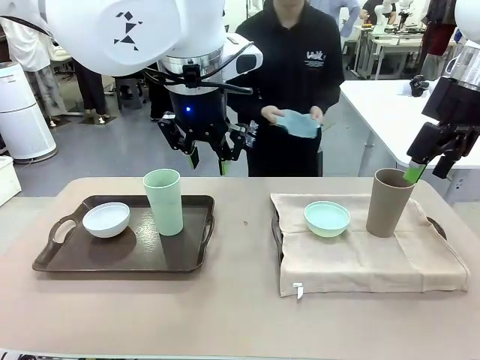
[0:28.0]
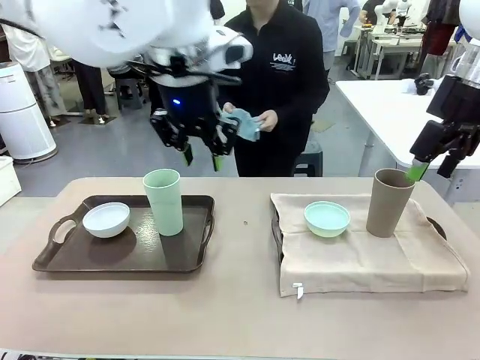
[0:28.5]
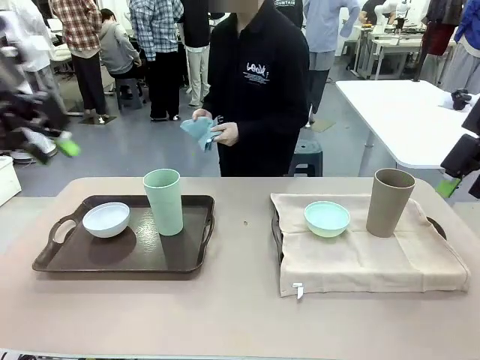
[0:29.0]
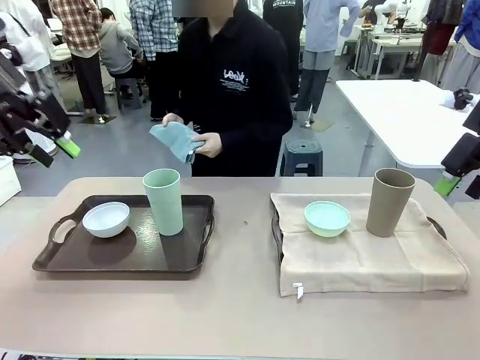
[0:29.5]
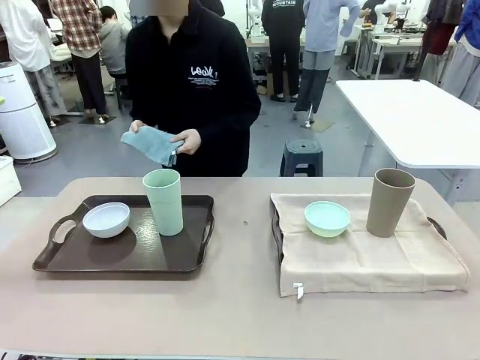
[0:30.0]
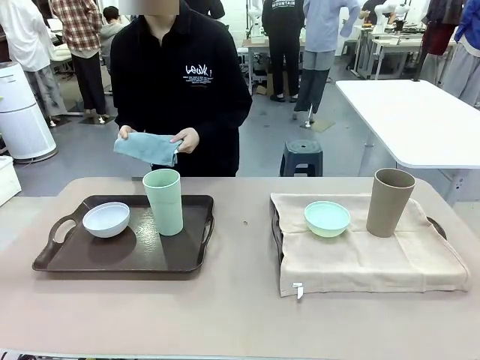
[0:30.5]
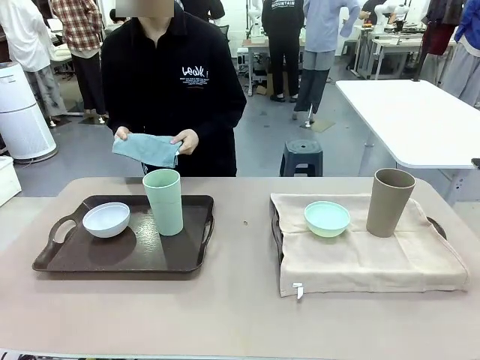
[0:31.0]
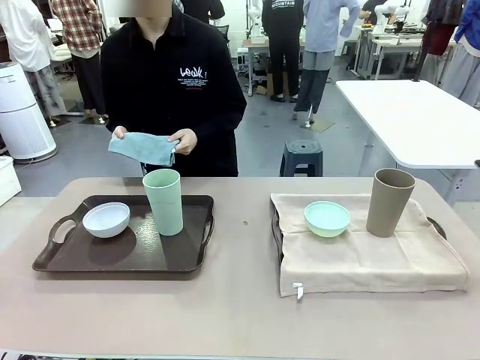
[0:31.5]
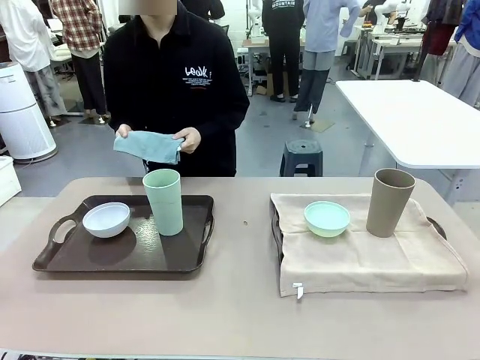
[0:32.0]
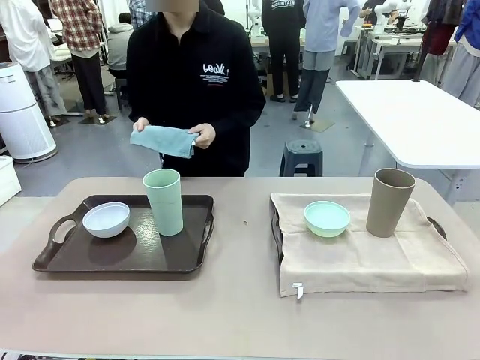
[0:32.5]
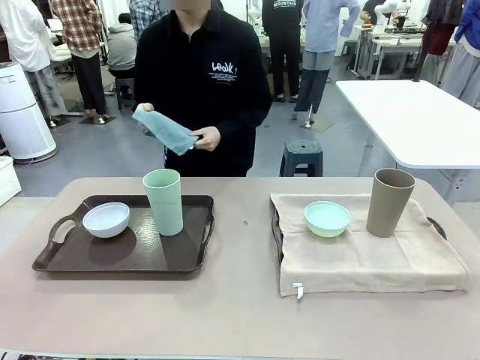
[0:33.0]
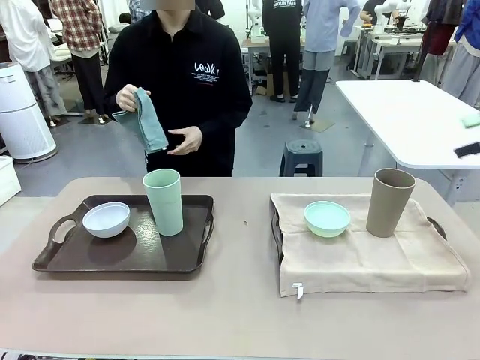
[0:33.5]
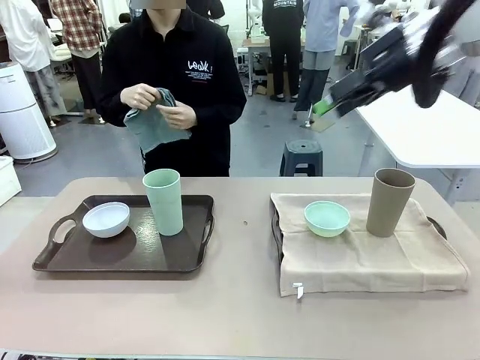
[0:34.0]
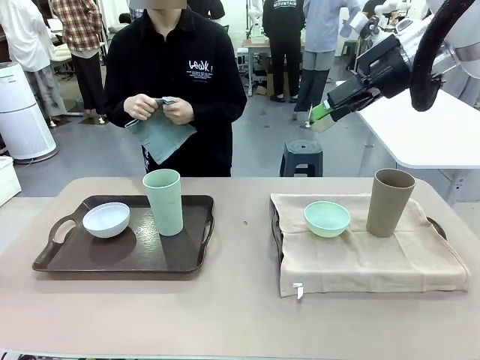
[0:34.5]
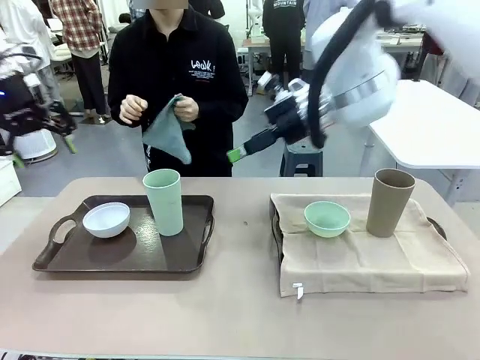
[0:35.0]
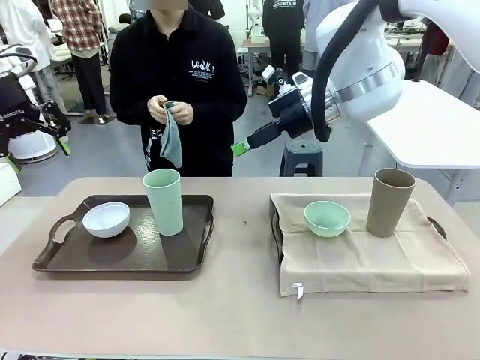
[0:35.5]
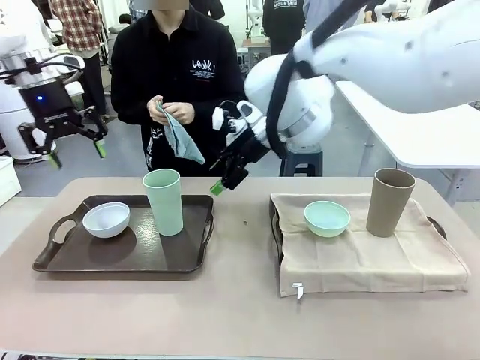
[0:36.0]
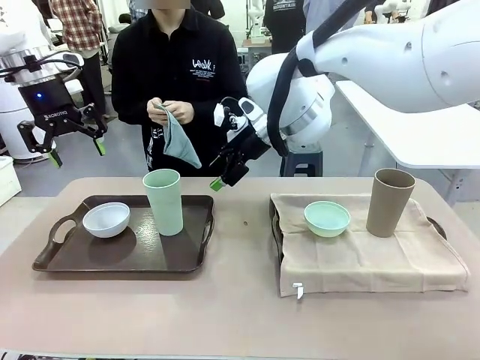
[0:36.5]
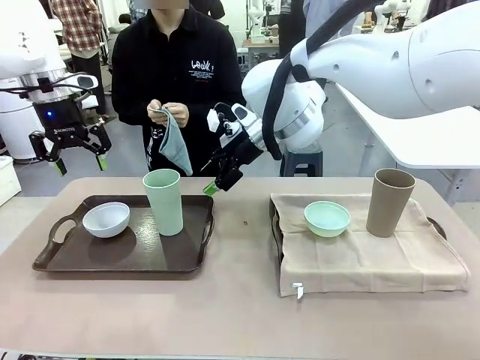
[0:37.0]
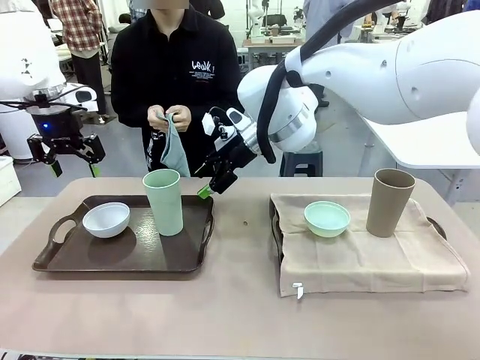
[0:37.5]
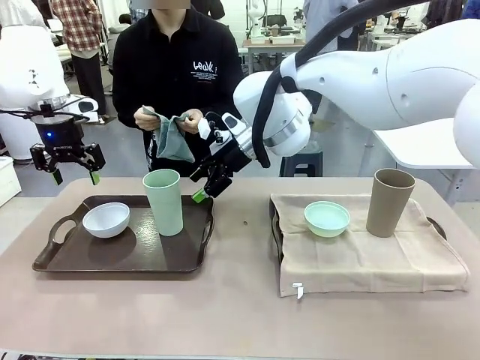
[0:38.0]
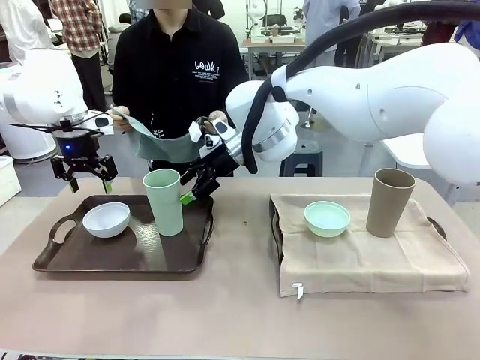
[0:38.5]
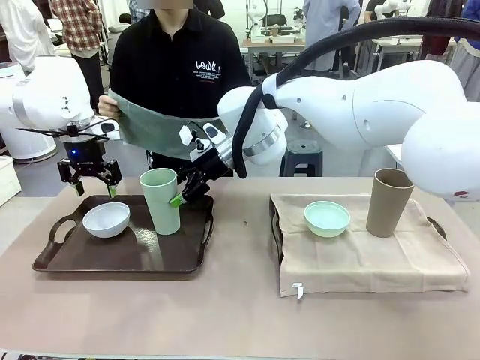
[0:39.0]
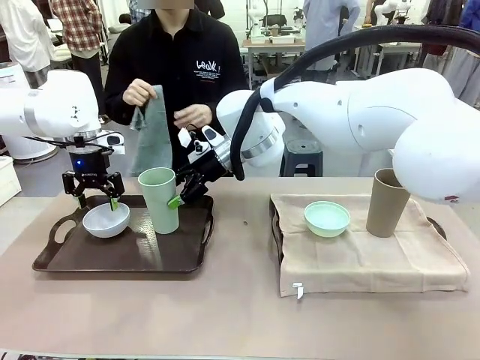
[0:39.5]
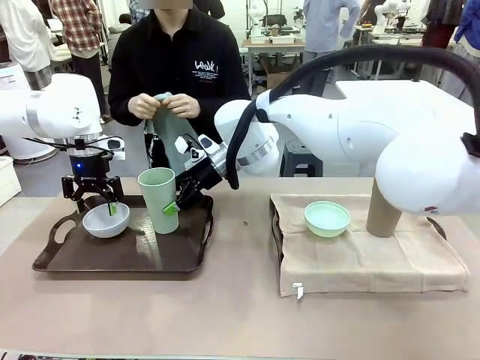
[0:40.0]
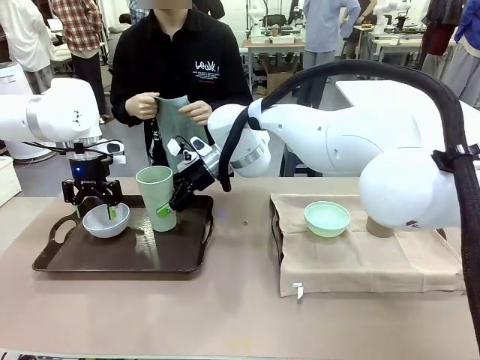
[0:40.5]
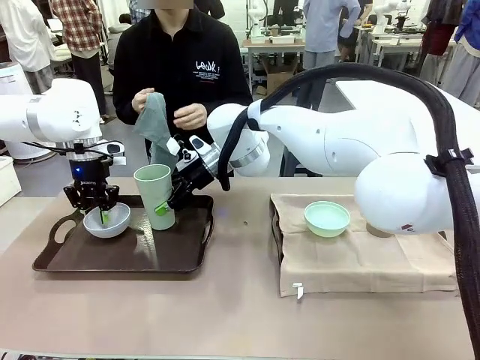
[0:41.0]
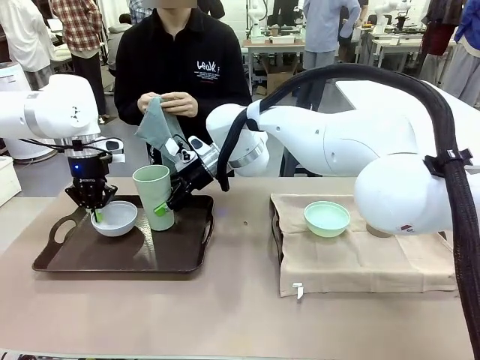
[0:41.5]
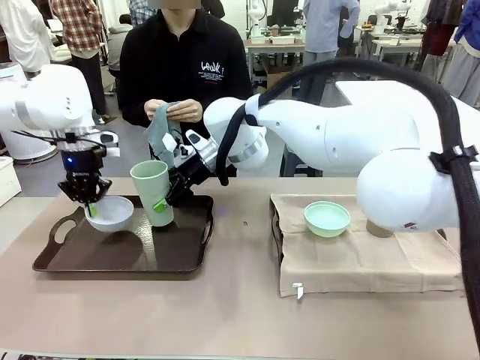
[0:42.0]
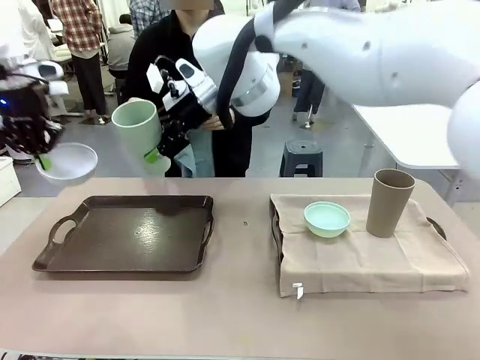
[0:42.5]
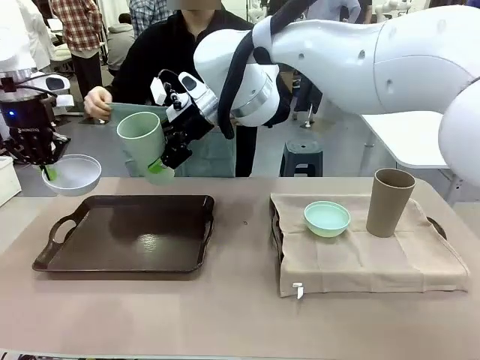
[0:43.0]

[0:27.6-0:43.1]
Robot: Pick up the Picnic Bowl and Reusable plastic cup from the Handle tray in front of the human's position and hold them in the air.
Person: When the robot lifts the bowl and the cup, the human unfolds the napkin and lays the napkin flat on the tray.

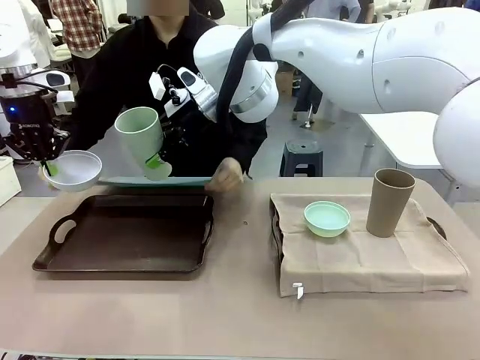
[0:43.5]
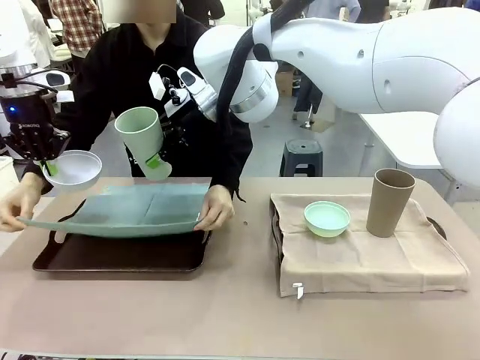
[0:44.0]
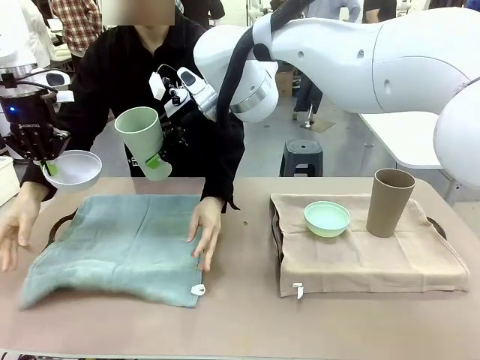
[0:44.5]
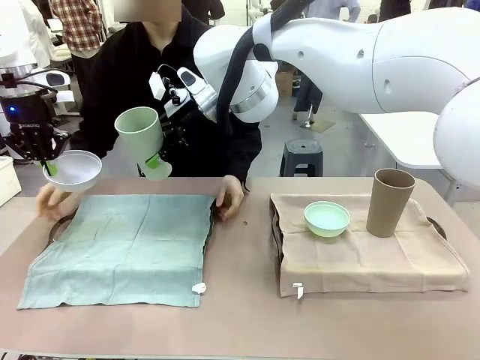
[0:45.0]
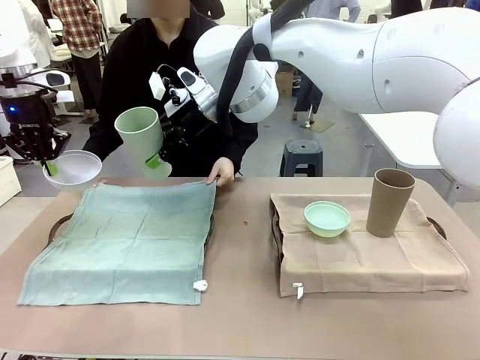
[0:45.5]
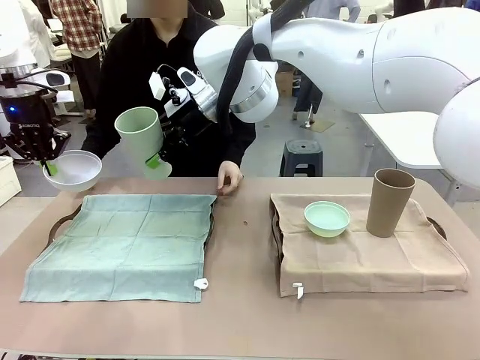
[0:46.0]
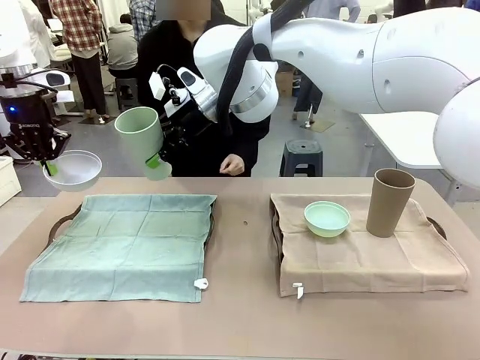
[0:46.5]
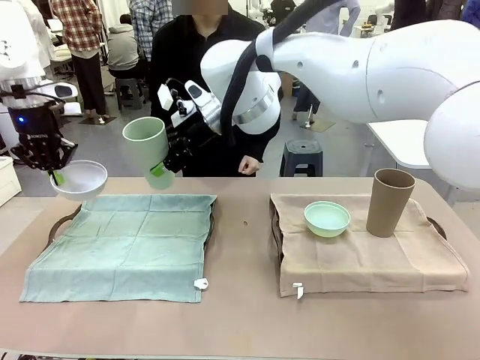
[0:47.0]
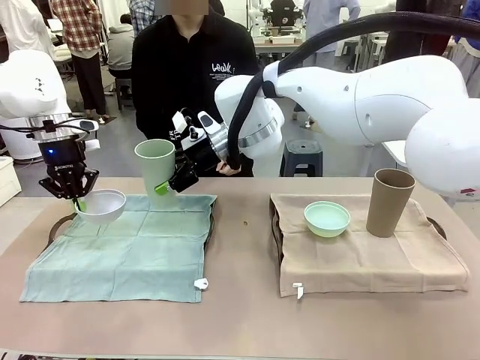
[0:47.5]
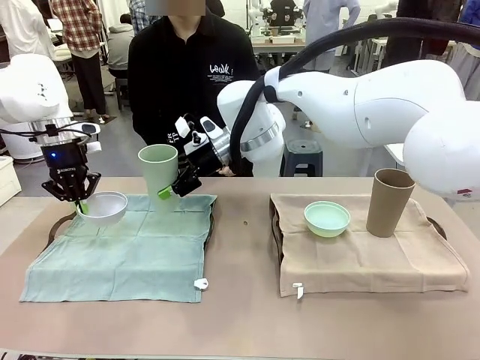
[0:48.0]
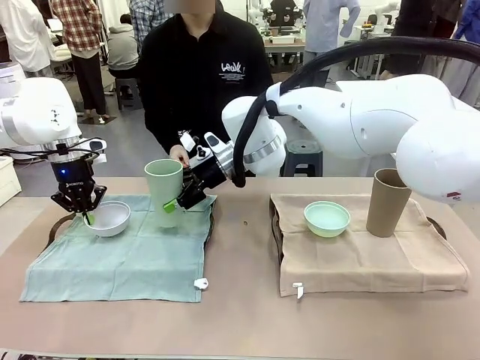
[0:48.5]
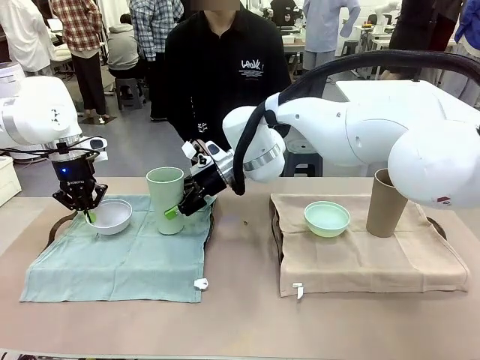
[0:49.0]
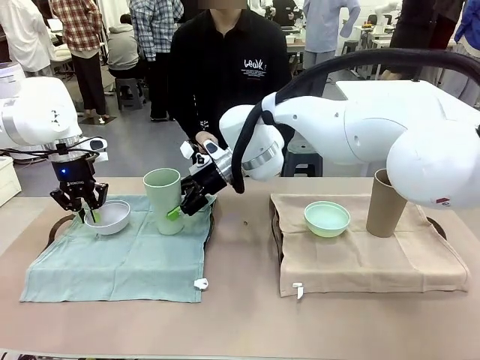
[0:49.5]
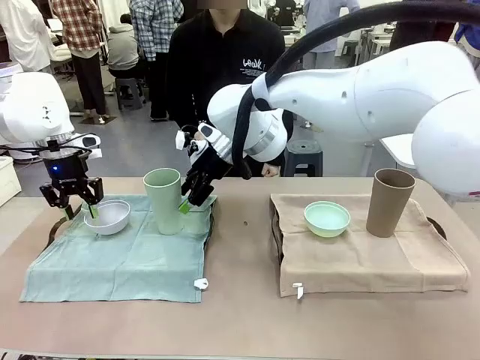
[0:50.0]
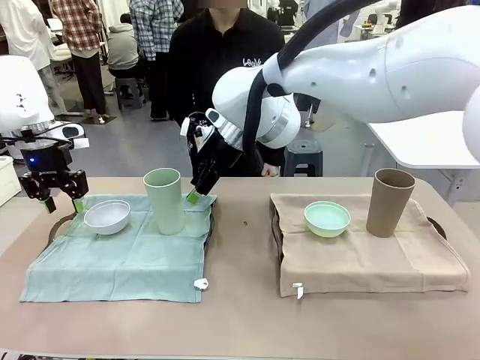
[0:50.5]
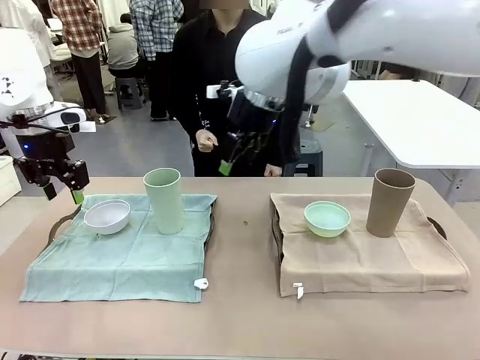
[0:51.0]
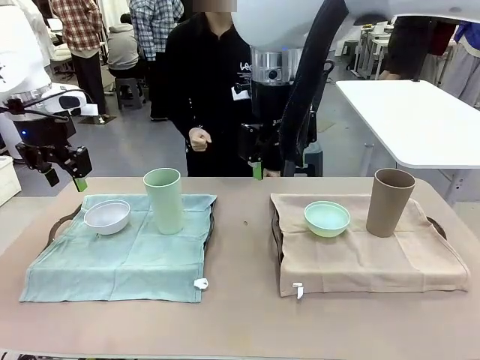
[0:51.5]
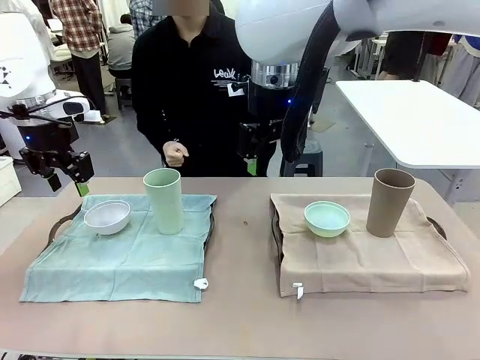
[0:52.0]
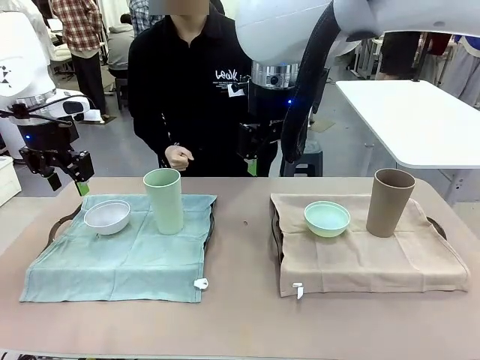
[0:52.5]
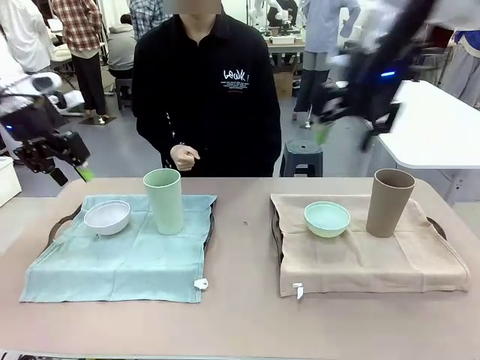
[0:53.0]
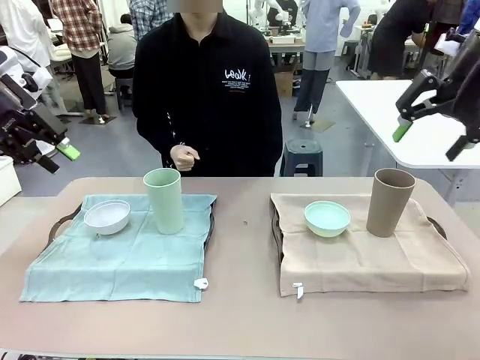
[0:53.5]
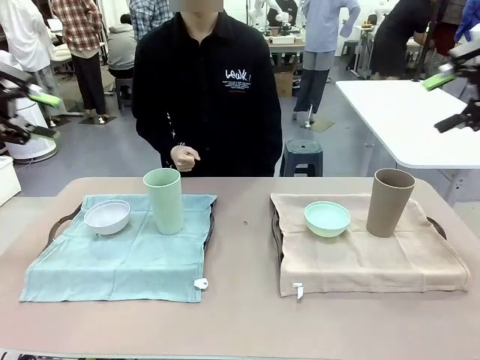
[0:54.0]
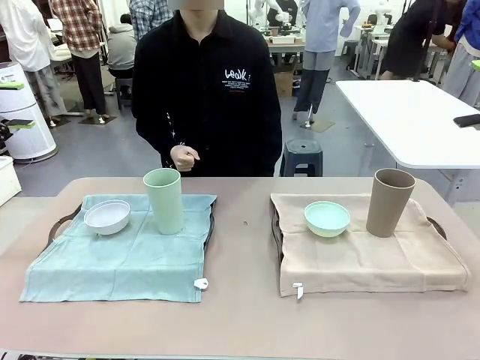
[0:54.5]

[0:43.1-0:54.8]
Robot: Place the Picnic Bowl and Reusable plastic cup back onto the Handle tray in front of the human's position.
